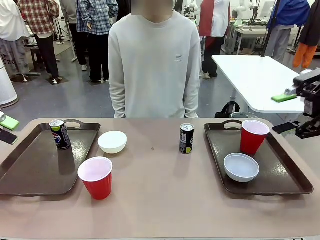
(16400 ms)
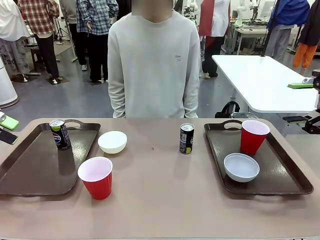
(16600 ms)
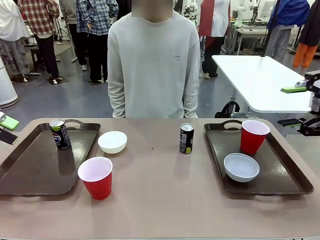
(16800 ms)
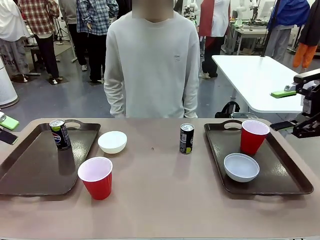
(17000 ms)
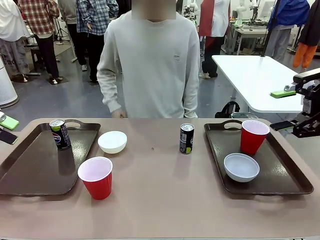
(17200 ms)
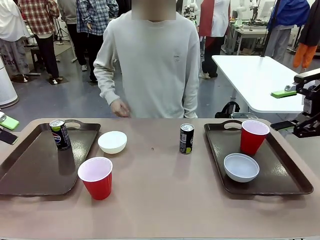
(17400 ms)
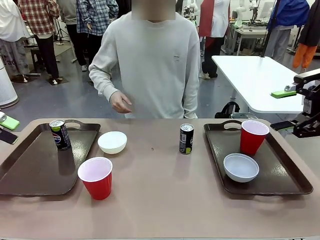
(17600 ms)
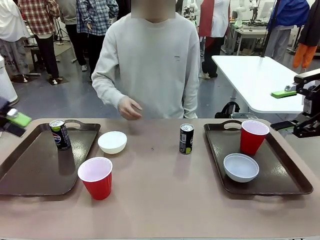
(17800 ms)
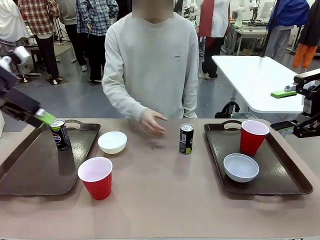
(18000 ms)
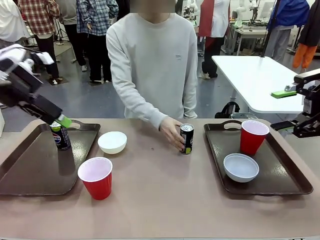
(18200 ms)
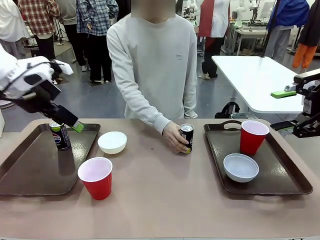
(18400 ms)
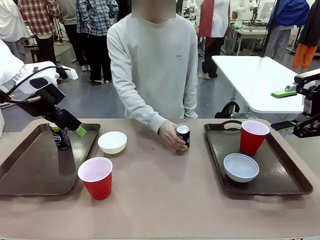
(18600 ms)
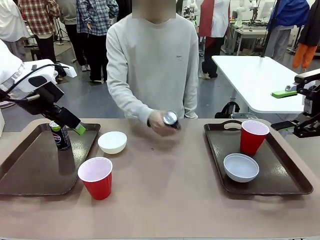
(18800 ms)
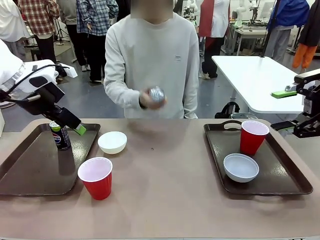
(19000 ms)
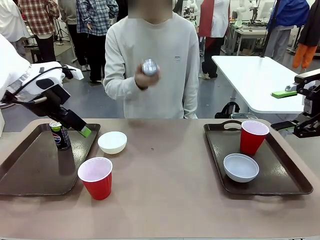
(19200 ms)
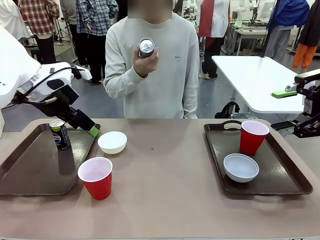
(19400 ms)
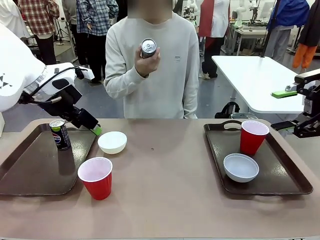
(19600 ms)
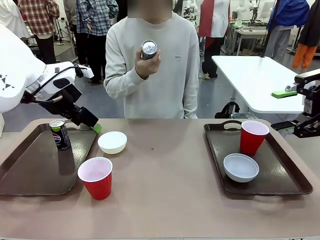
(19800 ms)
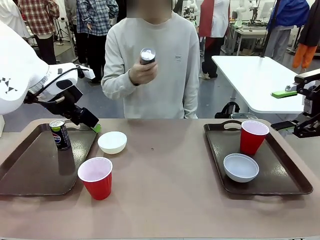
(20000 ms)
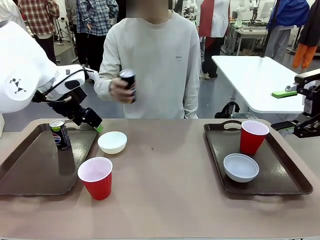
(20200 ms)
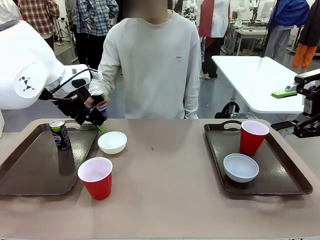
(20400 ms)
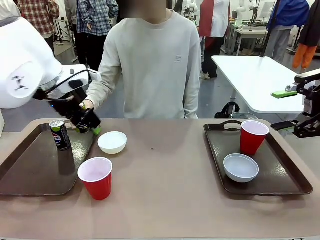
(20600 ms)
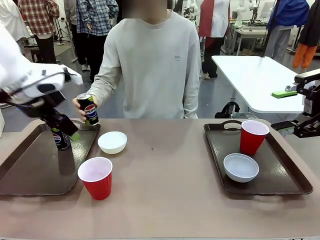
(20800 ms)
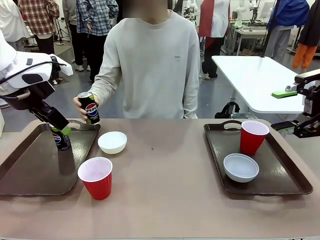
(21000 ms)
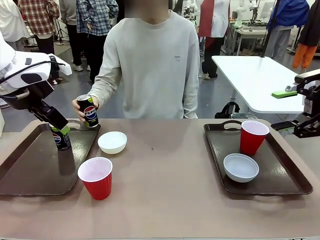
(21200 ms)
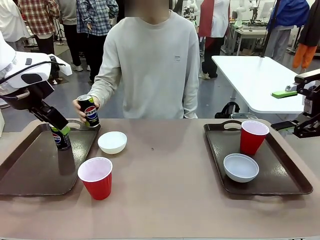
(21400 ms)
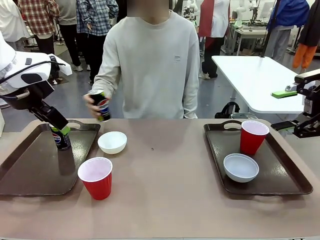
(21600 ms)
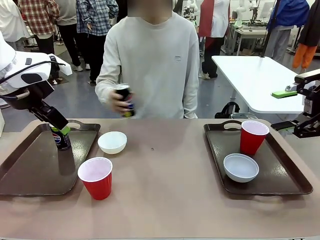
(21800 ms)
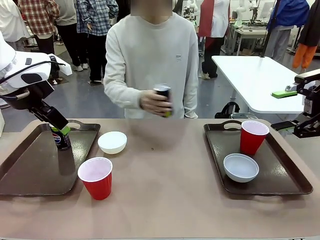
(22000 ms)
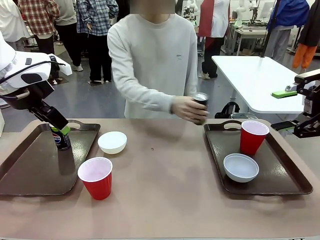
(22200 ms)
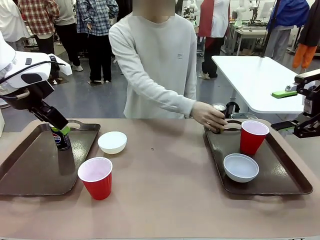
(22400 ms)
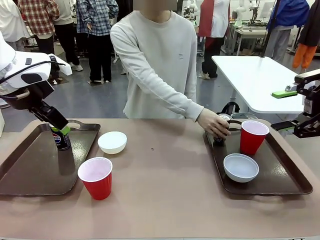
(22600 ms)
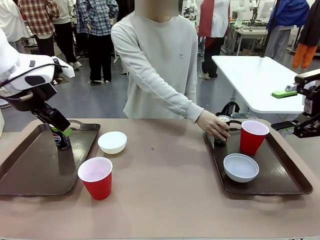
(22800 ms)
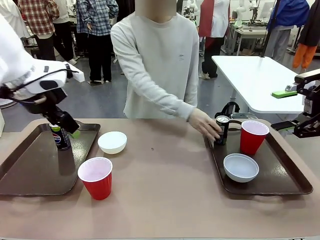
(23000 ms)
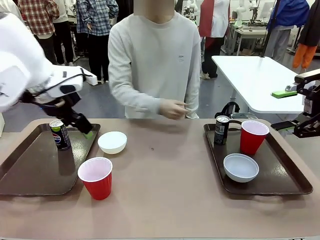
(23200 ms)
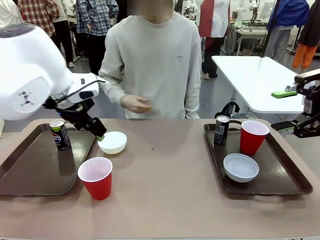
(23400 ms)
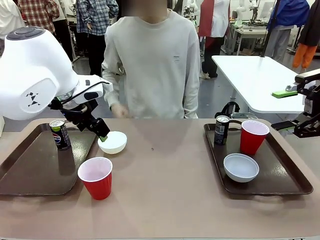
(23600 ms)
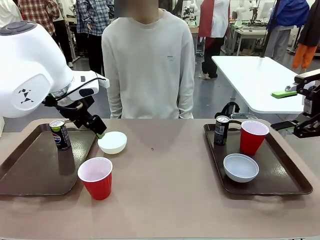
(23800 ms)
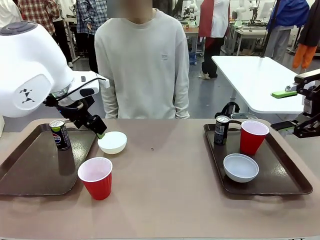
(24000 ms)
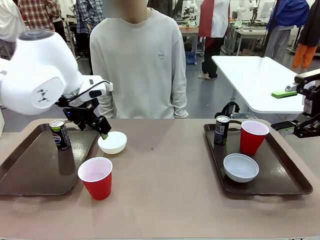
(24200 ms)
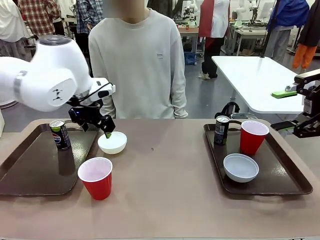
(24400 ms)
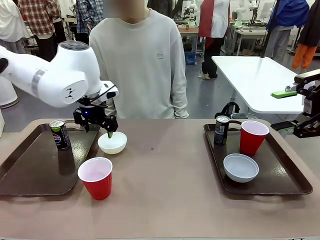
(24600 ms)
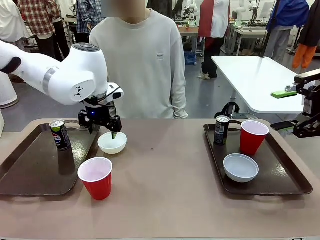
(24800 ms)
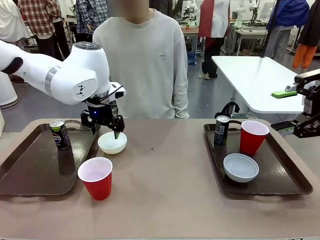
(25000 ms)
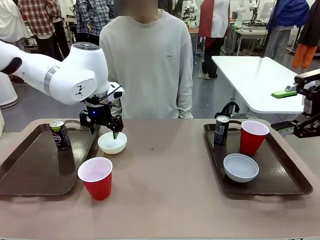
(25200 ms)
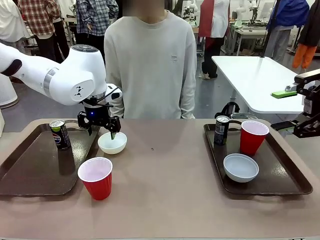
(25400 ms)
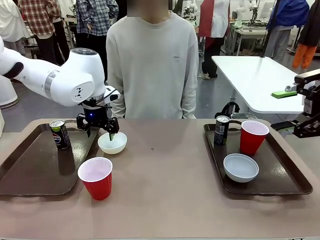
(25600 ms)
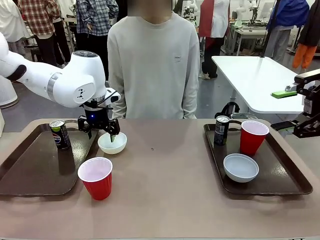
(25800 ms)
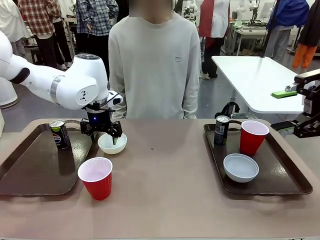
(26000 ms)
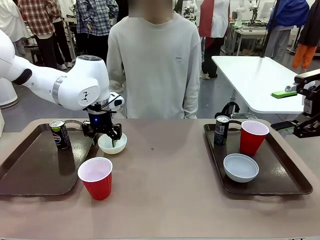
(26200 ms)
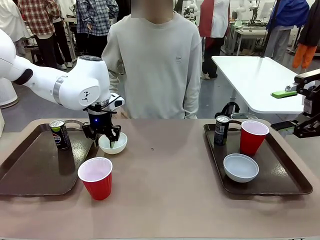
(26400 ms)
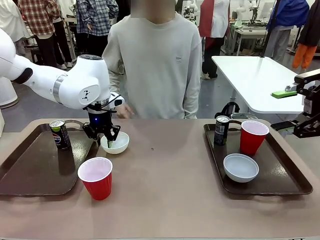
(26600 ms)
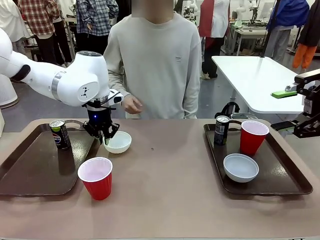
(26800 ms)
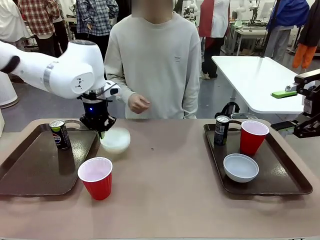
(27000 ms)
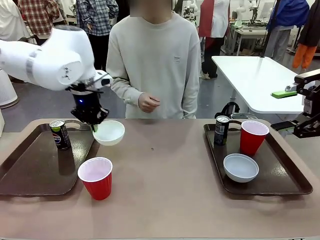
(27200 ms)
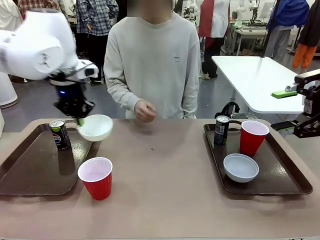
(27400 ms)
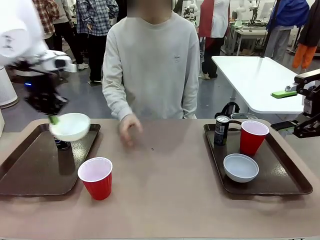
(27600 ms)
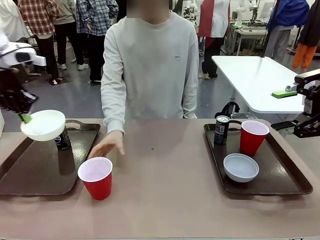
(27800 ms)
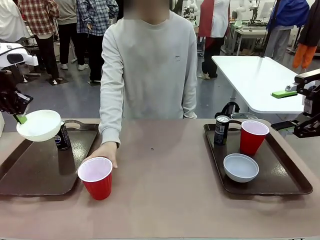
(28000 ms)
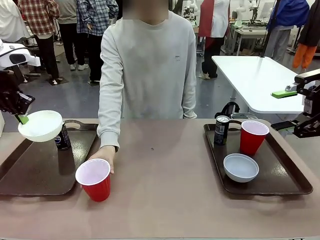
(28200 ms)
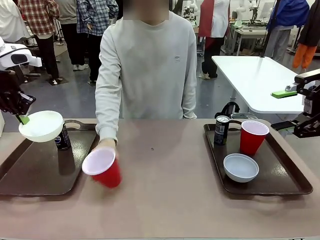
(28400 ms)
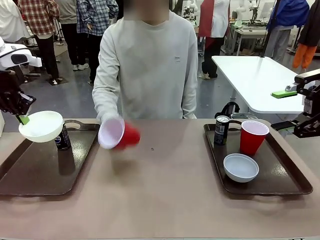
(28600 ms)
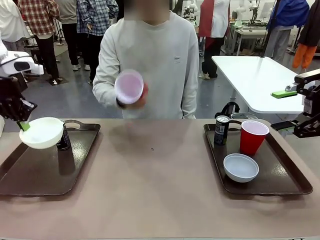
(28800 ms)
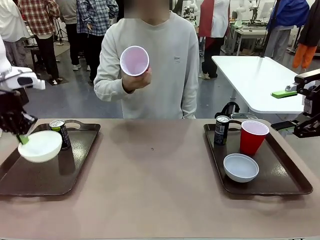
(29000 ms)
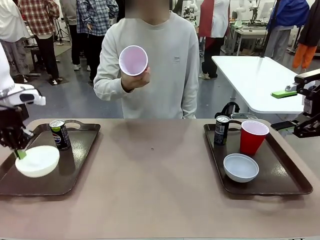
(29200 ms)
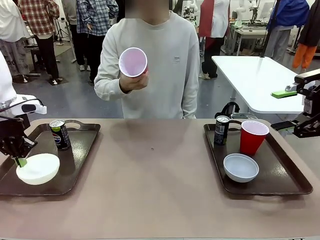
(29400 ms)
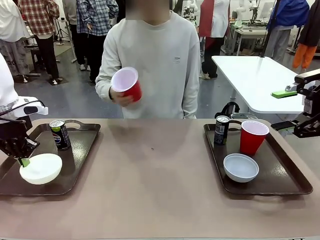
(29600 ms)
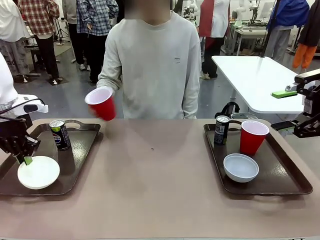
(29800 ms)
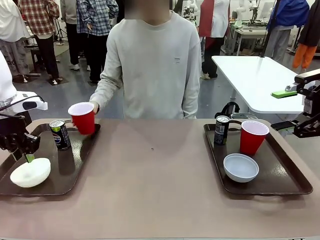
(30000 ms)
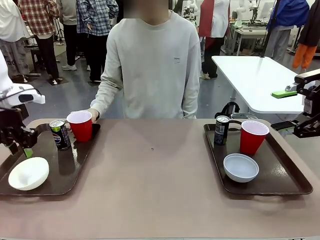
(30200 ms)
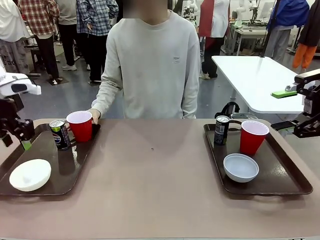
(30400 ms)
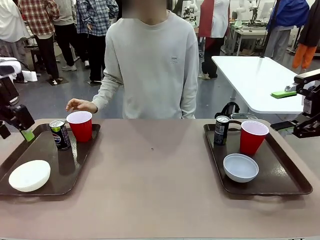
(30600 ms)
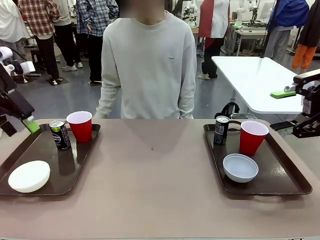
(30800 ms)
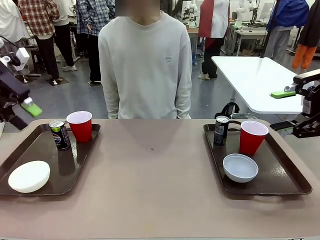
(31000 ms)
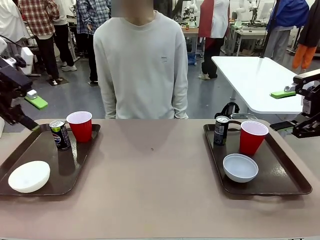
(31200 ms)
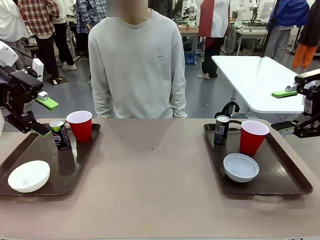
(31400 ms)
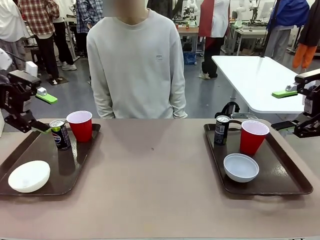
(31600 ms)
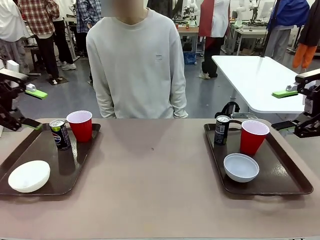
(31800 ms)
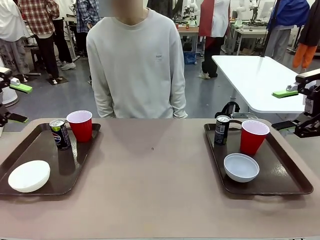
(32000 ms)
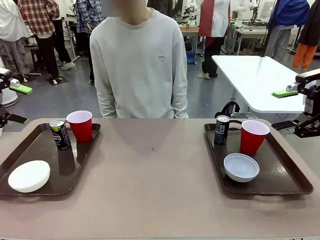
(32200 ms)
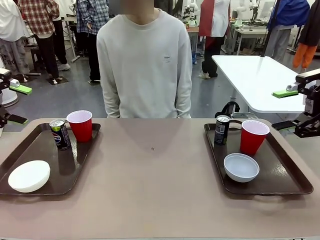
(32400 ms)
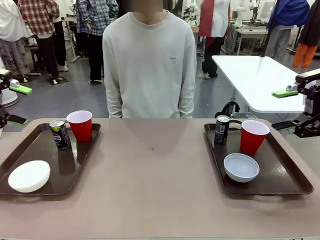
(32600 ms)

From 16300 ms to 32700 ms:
Task: Prepare tableware on both trays.
Robot: Pick up a Picnic Bowl from the table and place it on a Handle tray.
Person: Pick up a can or cup and place it on the tray without a can or cup.

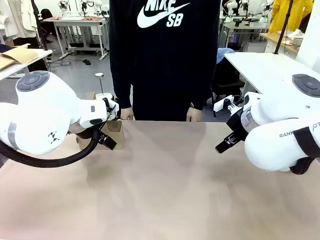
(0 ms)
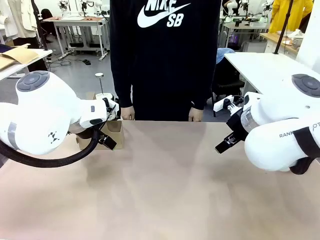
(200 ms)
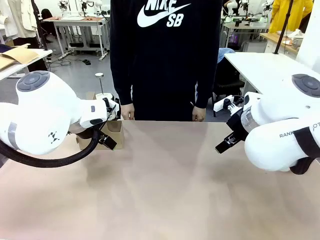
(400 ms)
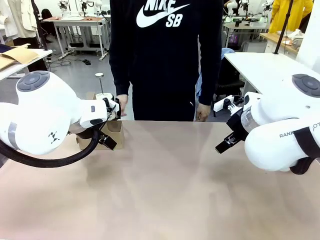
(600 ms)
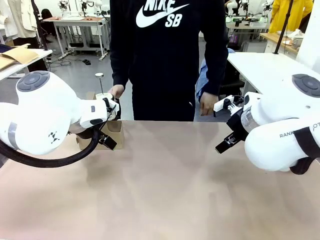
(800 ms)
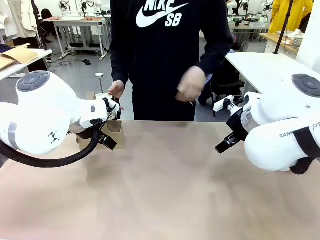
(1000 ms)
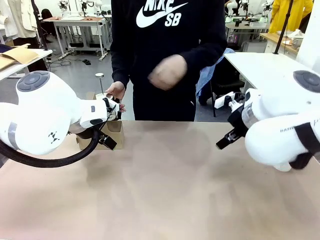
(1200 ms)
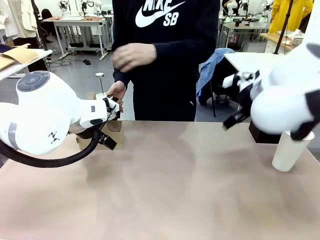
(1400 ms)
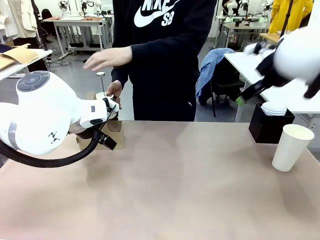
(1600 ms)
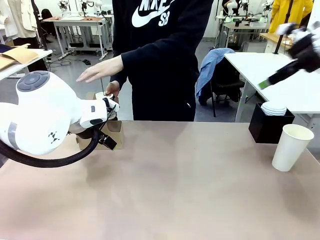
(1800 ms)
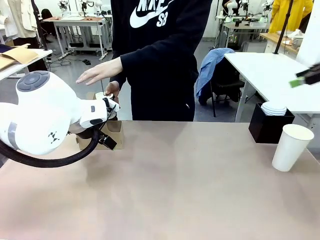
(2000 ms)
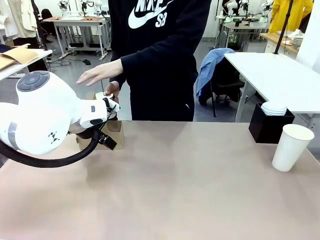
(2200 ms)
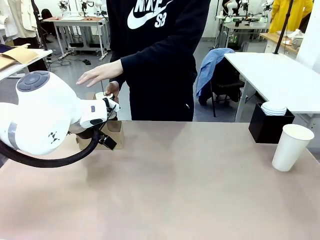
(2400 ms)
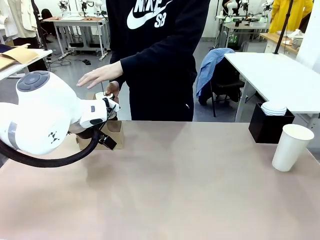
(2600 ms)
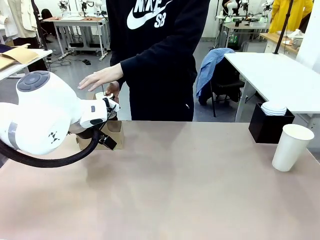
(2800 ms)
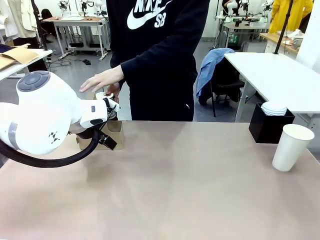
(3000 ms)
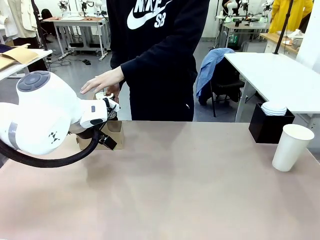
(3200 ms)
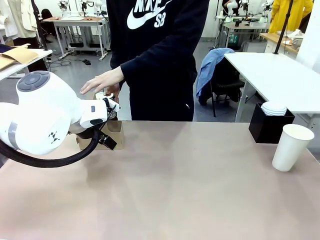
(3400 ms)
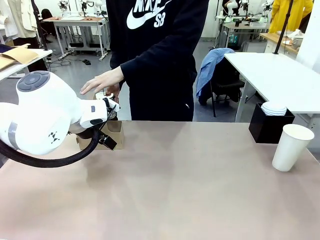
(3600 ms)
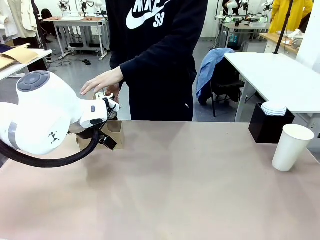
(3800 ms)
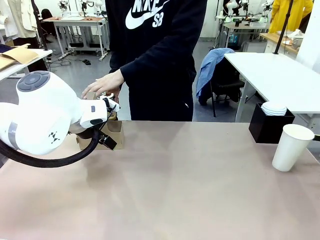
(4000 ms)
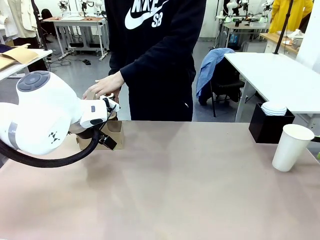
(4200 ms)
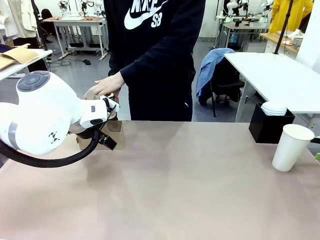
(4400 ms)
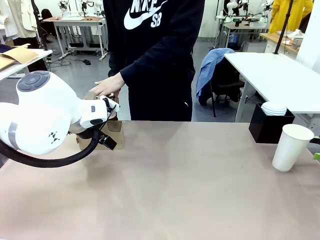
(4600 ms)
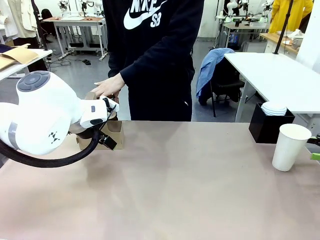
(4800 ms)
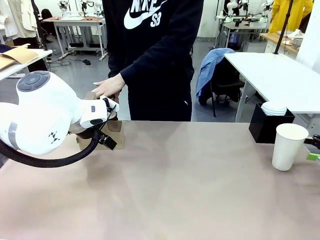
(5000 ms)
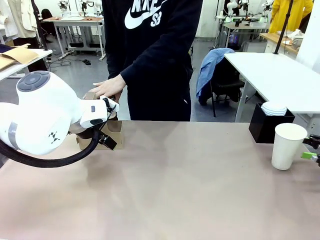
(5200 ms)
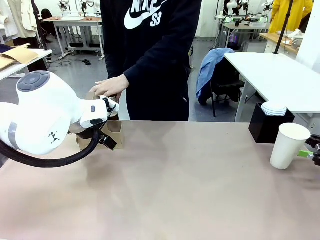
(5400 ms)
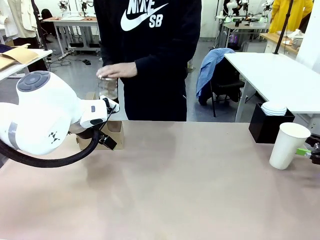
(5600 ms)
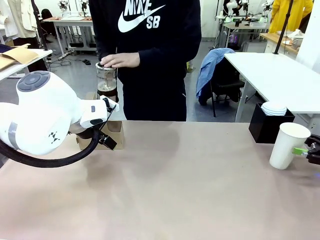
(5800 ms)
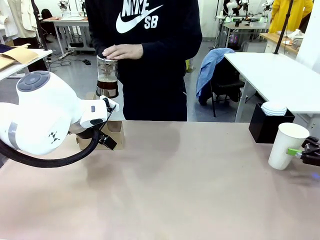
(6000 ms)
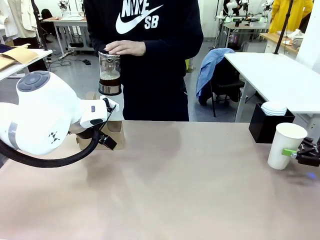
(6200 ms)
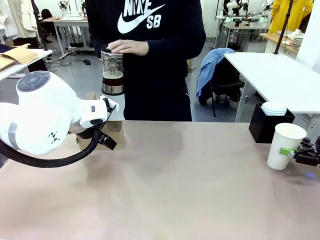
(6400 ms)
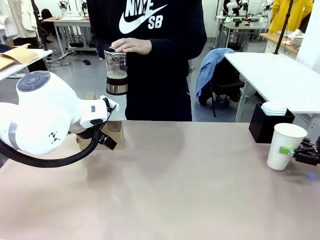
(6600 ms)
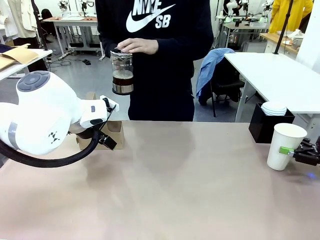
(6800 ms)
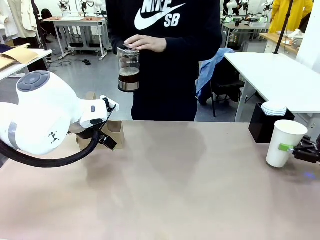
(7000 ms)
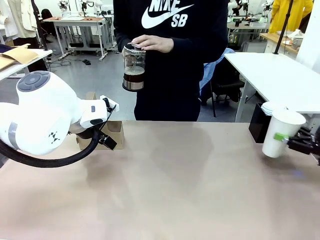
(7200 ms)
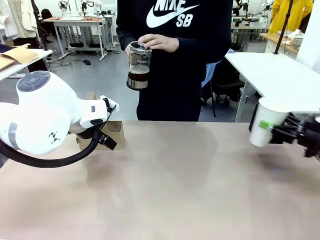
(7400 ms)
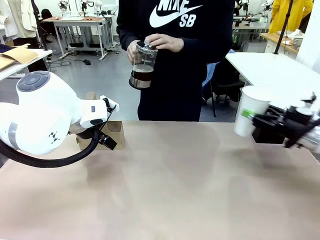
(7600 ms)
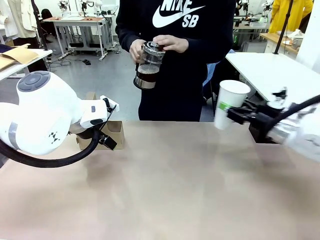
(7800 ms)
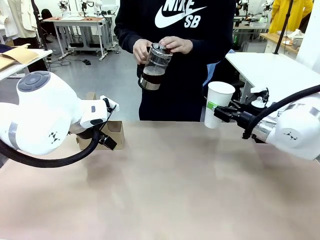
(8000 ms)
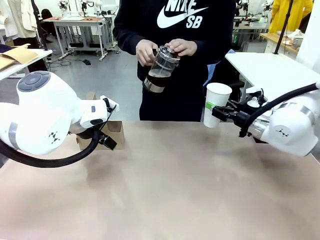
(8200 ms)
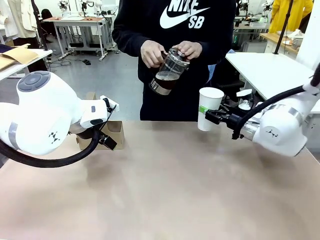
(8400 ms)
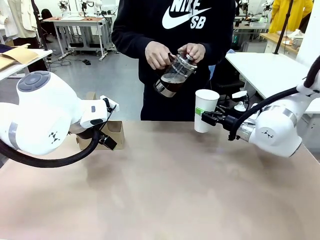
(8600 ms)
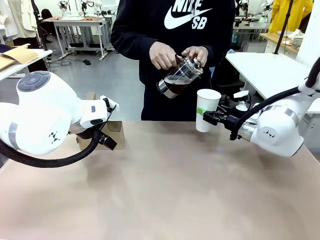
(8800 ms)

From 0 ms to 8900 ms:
Task: Pour a drink into a cup and package it in a carrier.
Robot: Pick up the 600 ml Paper Cup and place it in the middle top area of the table.
Person: Press and pick up the Filter Brewing.
